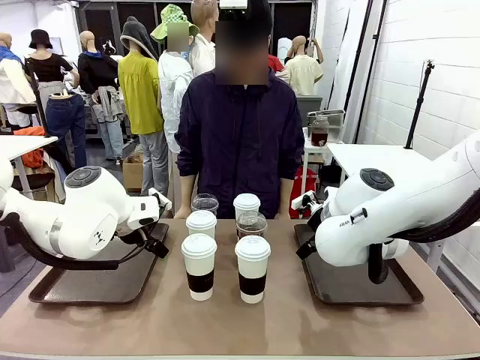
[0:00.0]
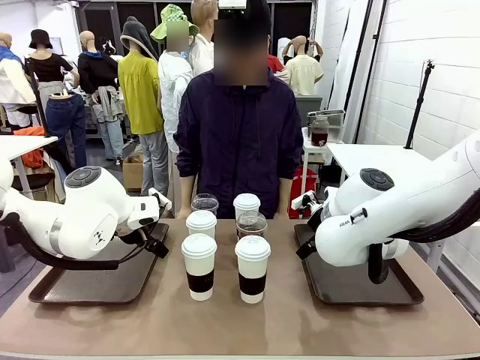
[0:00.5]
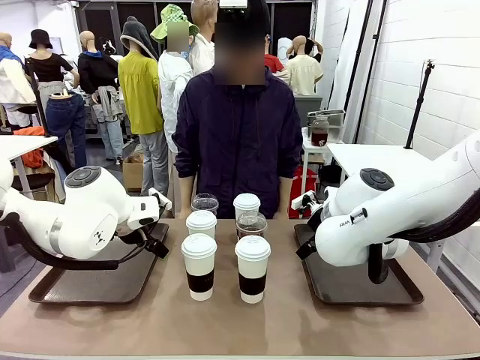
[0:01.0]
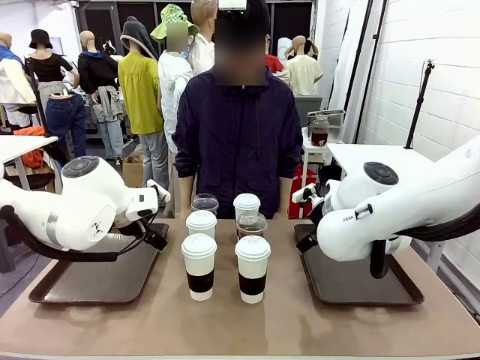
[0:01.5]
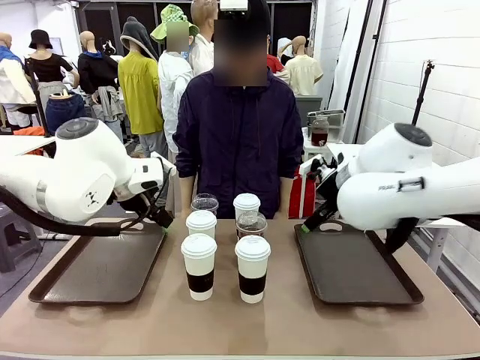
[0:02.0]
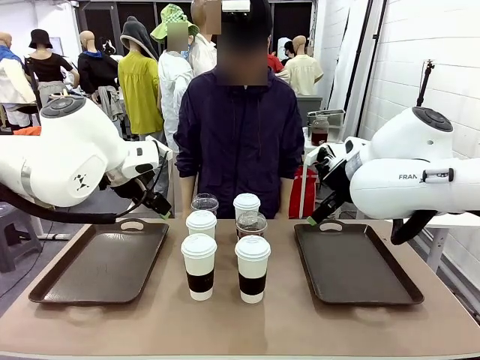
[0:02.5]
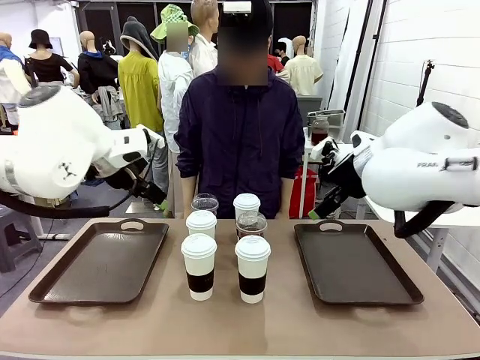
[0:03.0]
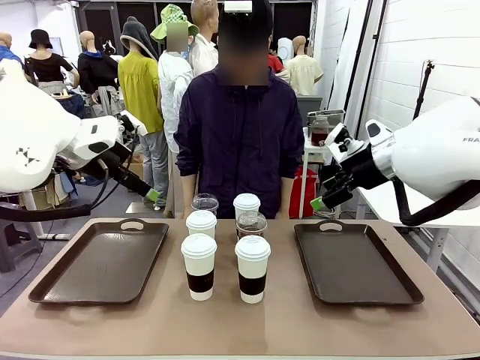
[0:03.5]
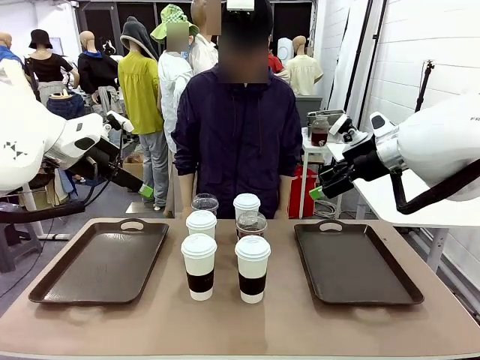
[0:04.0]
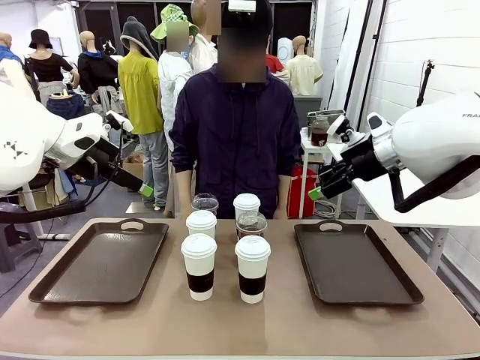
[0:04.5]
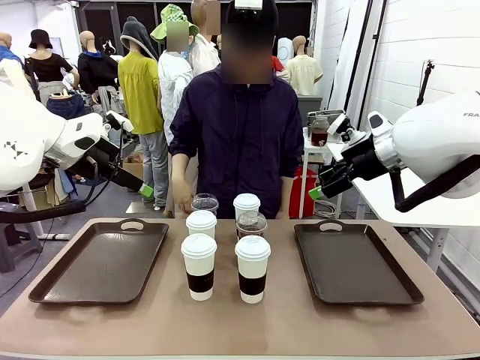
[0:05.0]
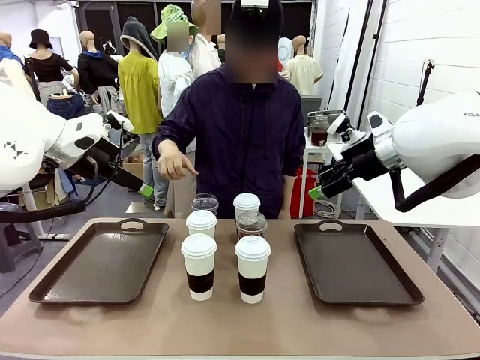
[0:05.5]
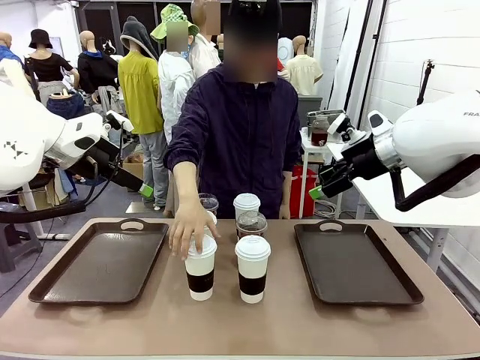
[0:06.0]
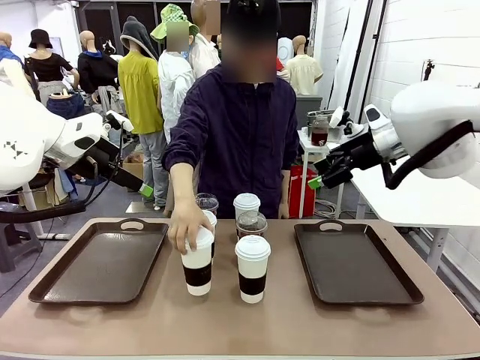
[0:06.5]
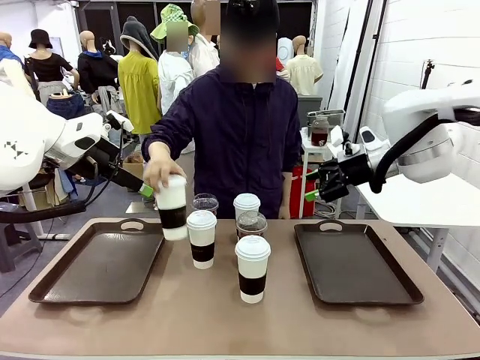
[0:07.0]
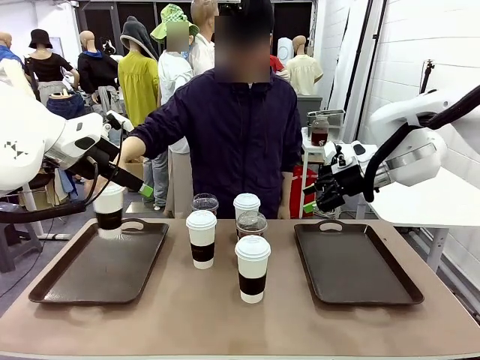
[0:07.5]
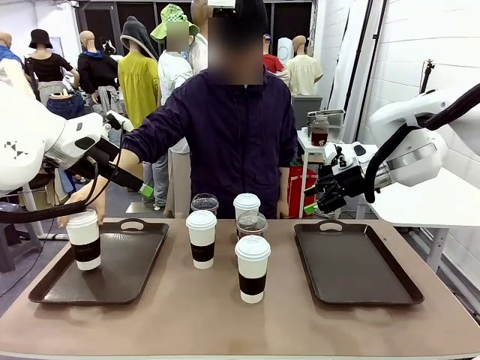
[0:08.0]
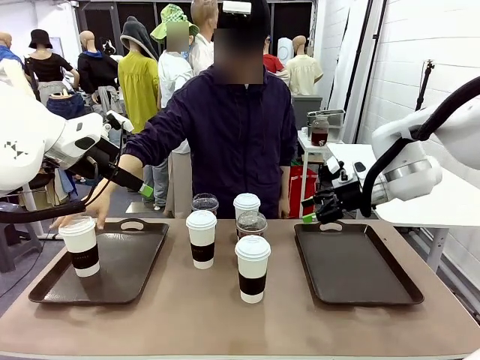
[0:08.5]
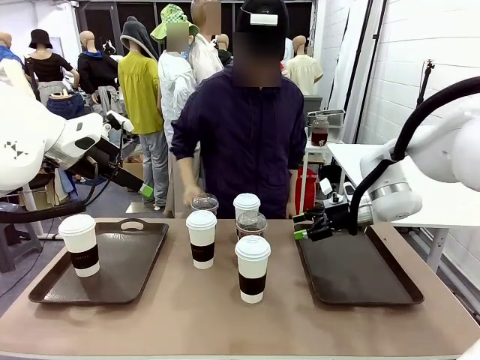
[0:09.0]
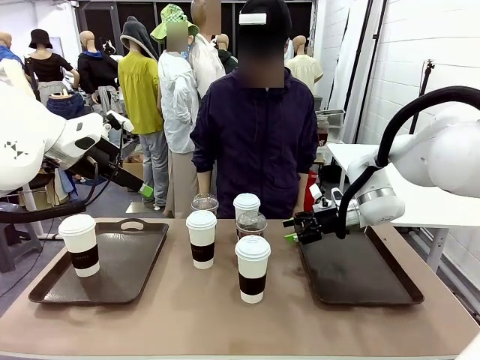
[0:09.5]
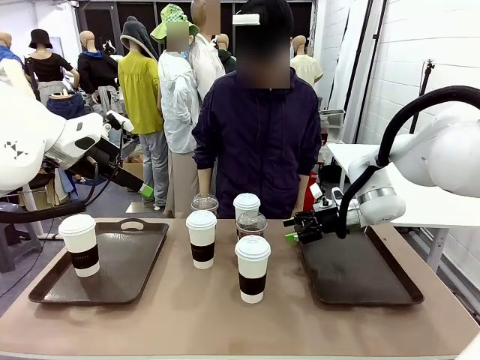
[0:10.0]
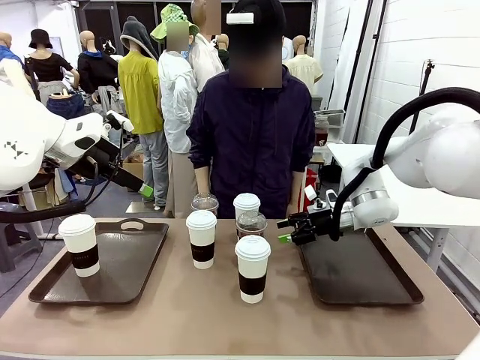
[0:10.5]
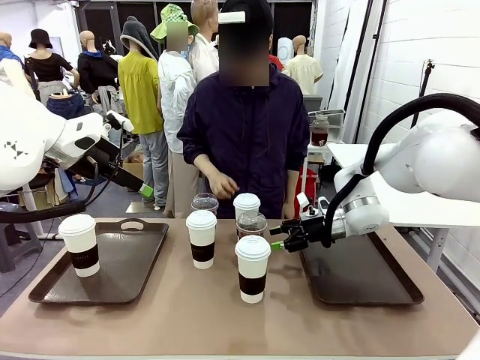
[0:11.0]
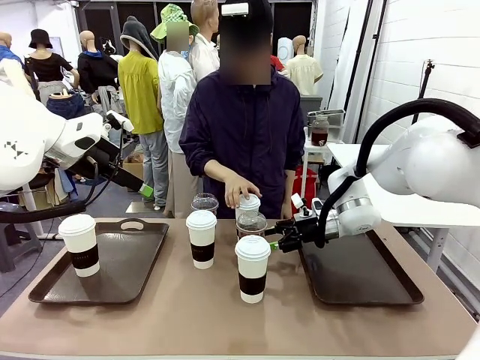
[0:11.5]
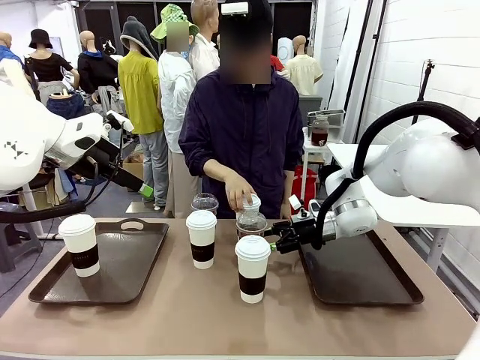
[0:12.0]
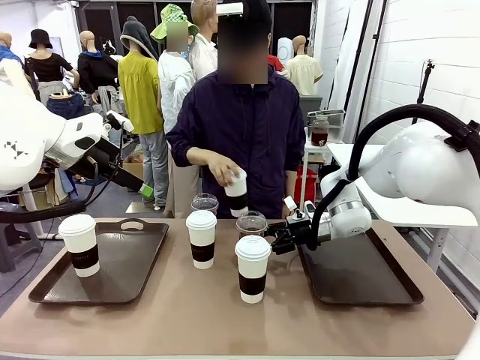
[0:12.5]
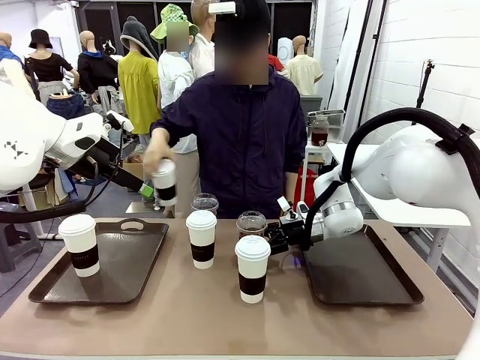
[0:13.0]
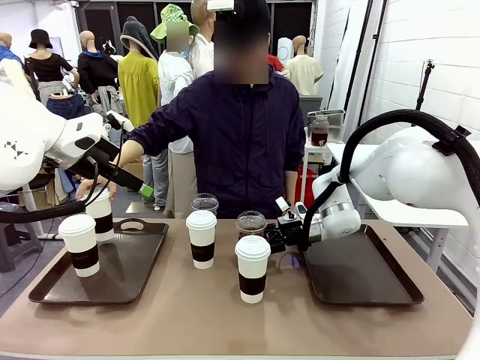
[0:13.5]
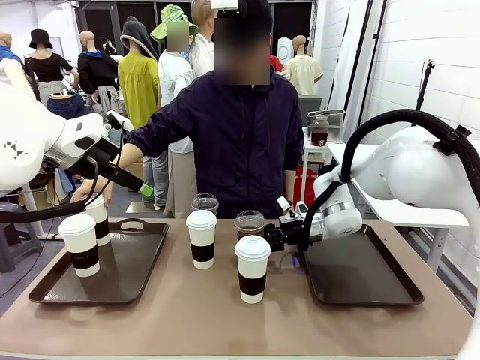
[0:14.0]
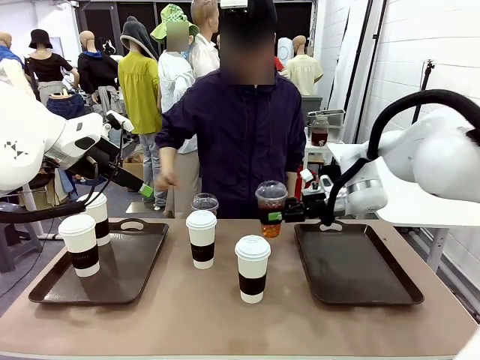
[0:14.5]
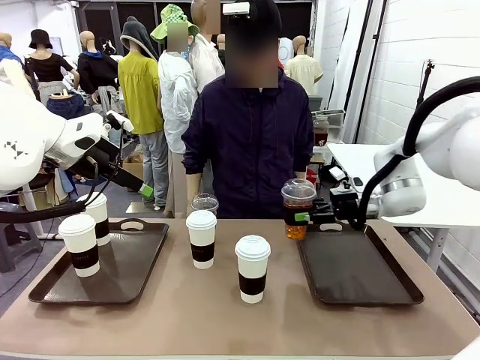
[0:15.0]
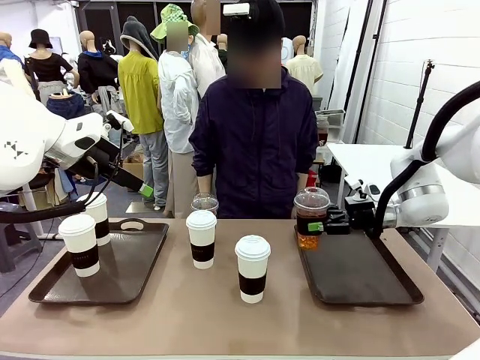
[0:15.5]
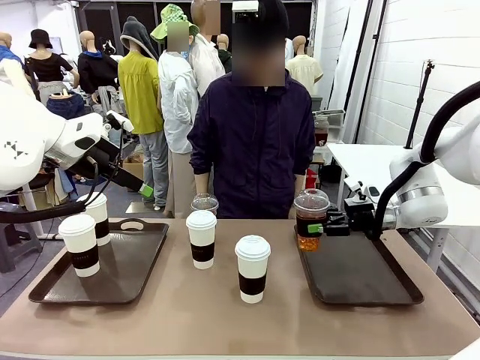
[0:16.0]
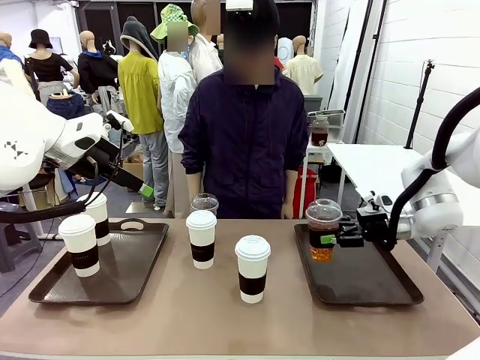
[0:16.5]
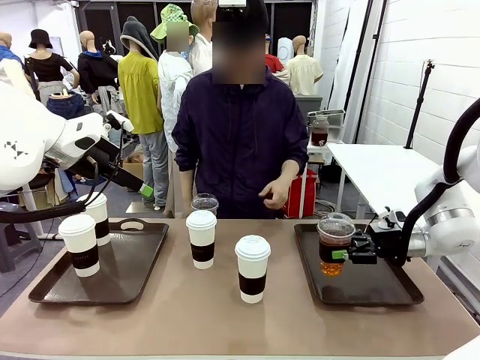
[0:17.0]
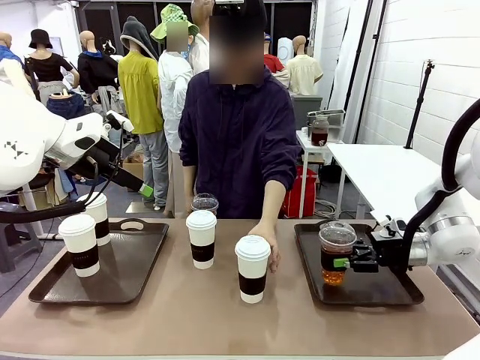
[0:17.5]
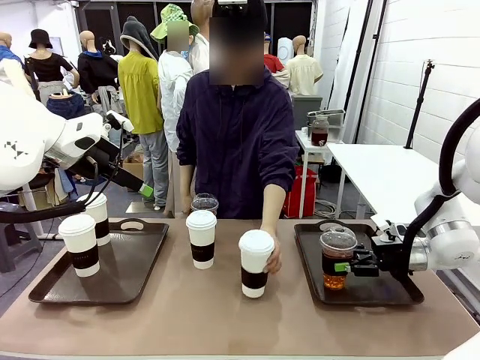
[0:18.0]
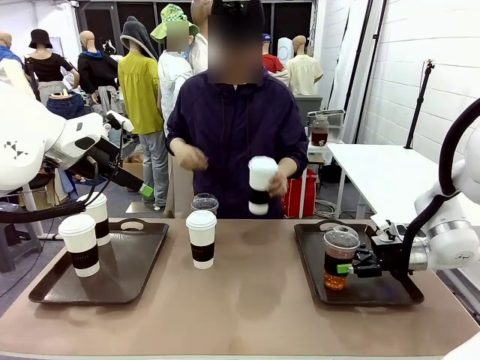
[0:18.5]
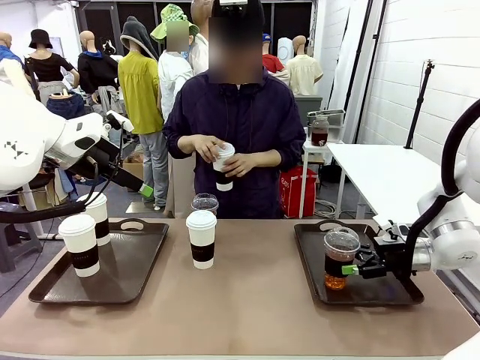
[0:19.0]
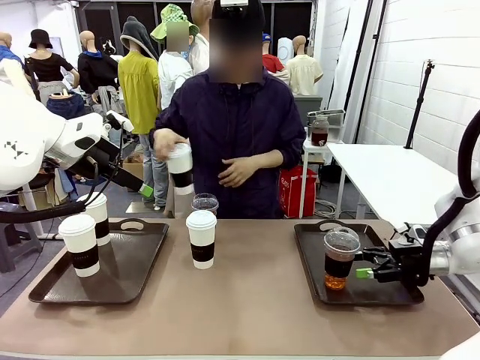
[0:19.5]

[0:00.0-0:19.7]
Task: Distribute the coffee onto the tray.
Robot: Pick up one iced Americano and place it on the right Handle tray.
Person: Pick up a cup of hot Americano and place it on the right tray.
